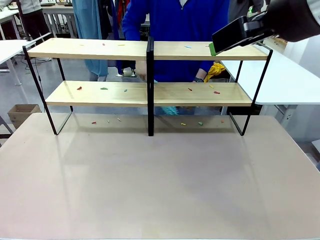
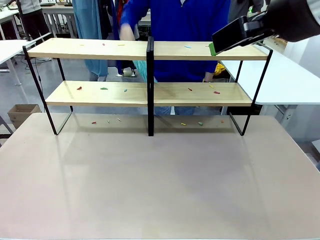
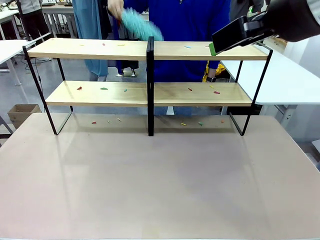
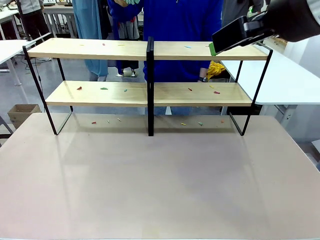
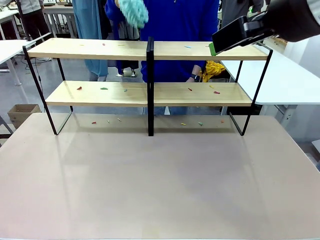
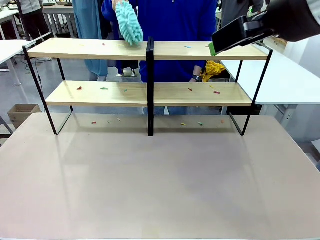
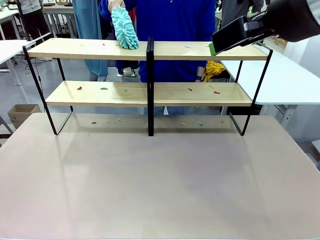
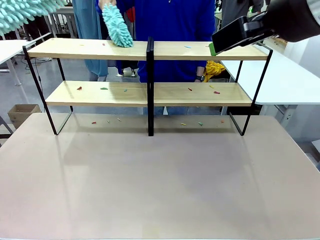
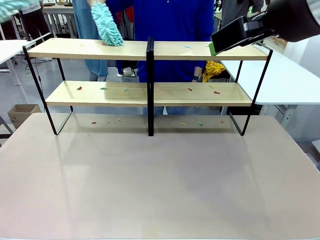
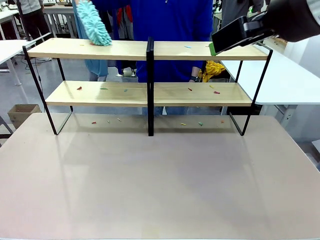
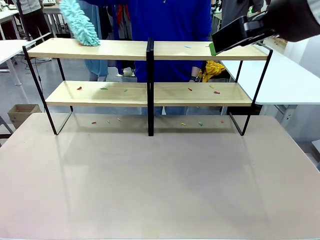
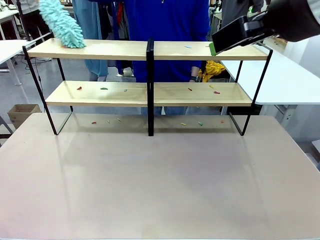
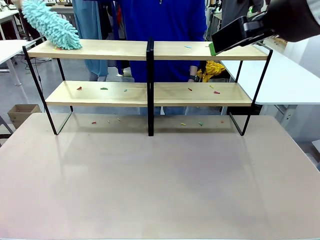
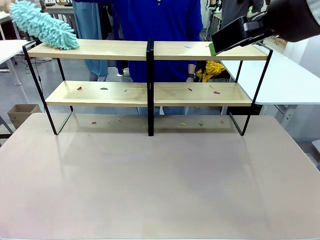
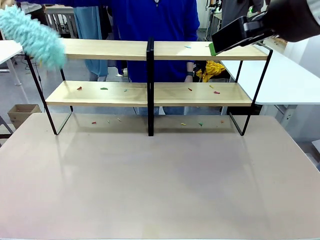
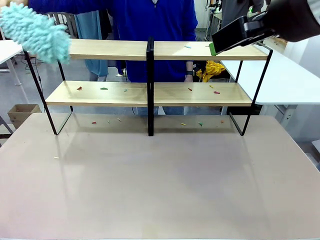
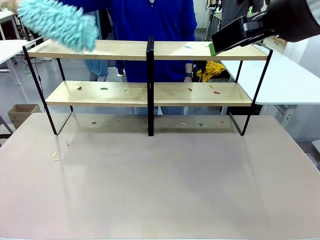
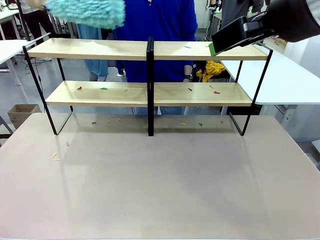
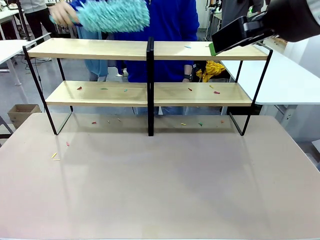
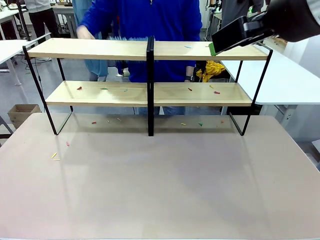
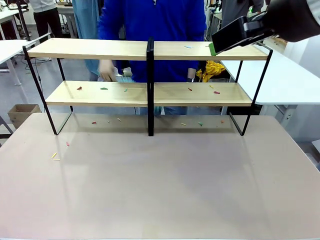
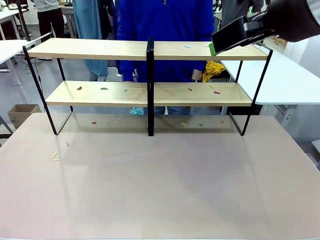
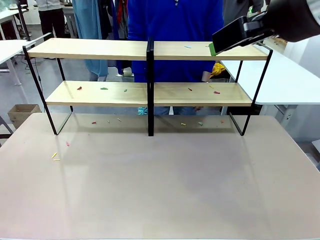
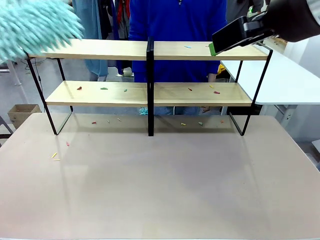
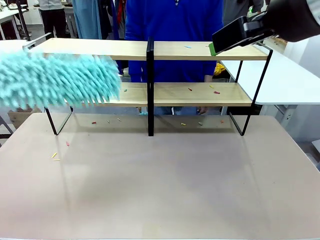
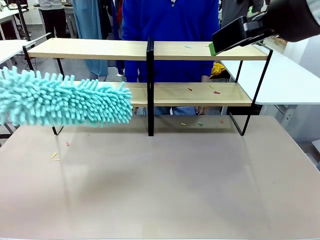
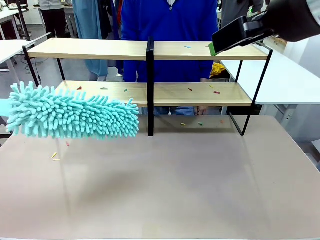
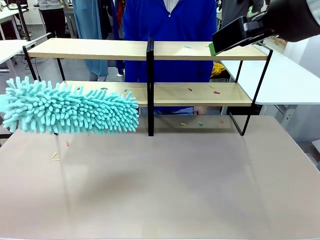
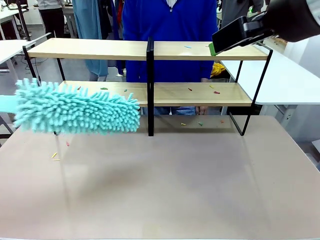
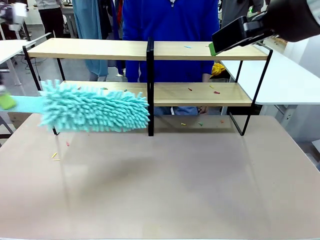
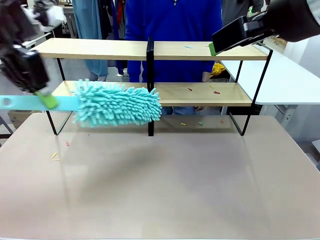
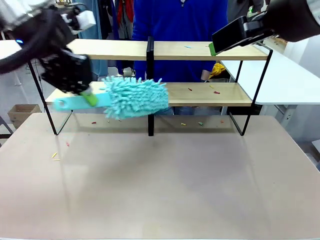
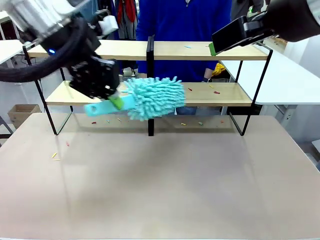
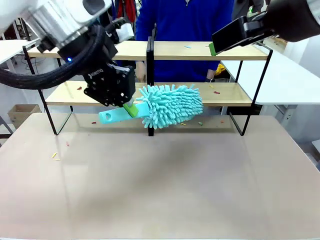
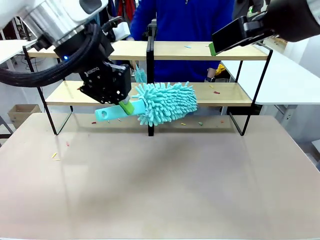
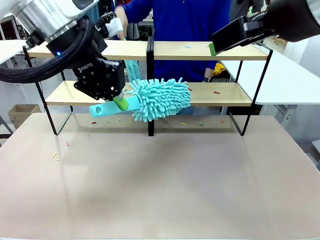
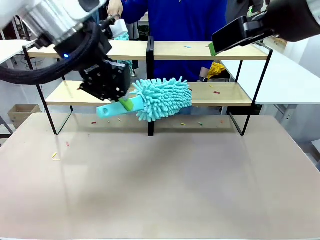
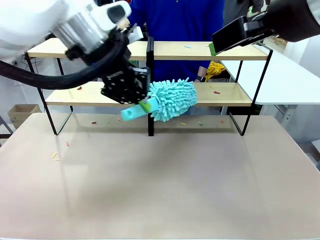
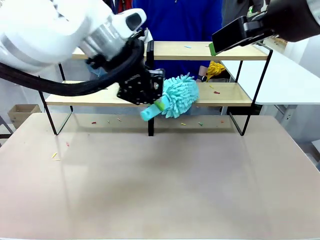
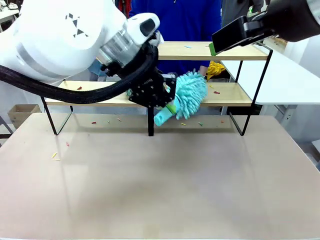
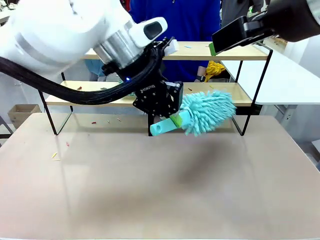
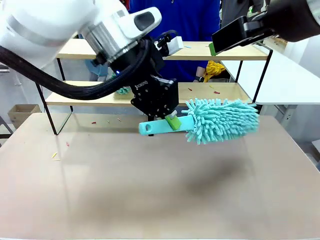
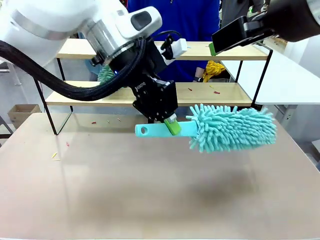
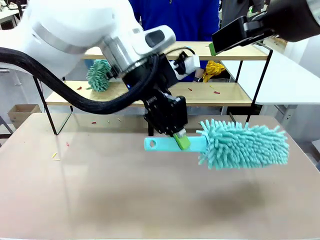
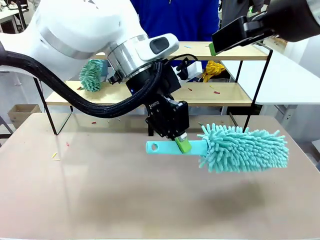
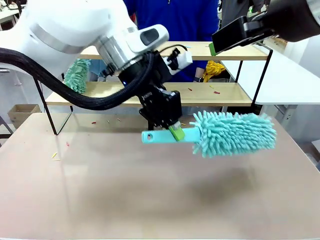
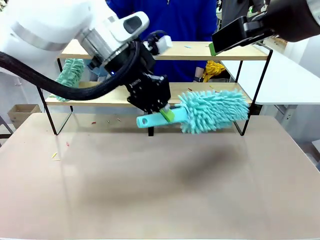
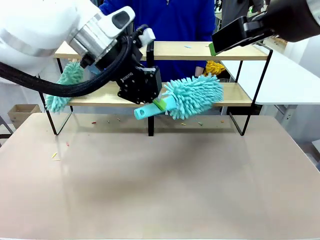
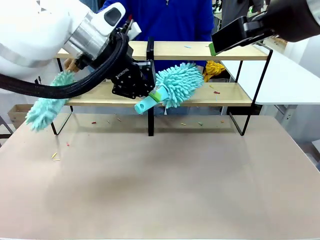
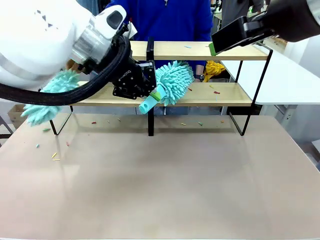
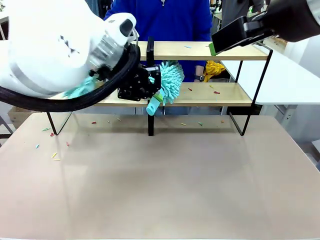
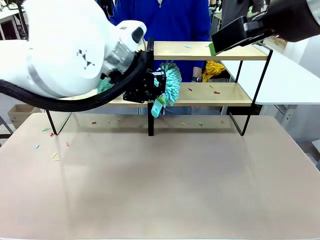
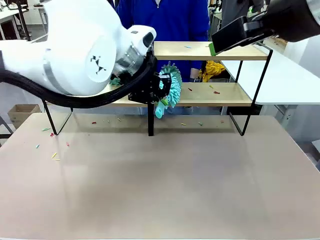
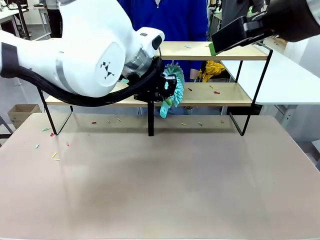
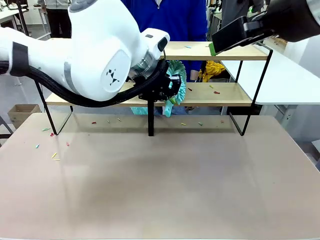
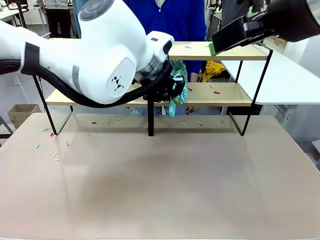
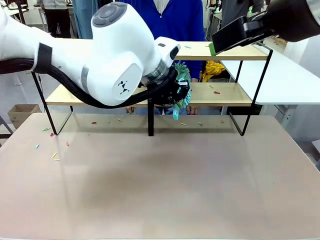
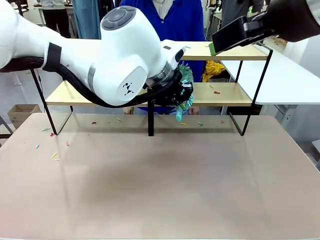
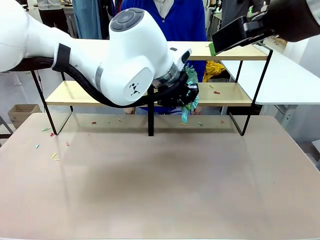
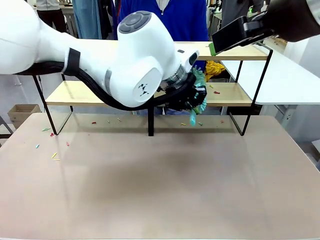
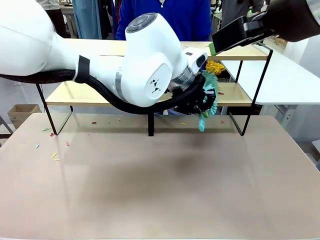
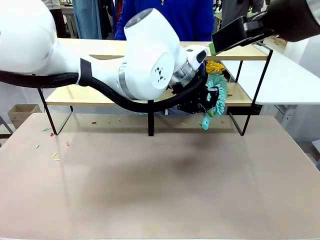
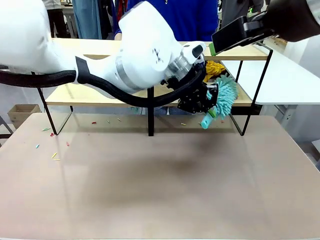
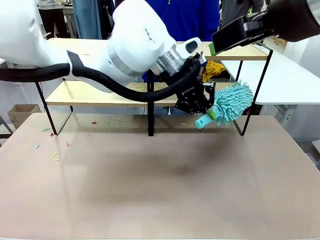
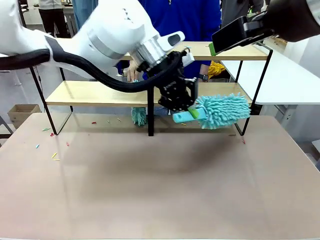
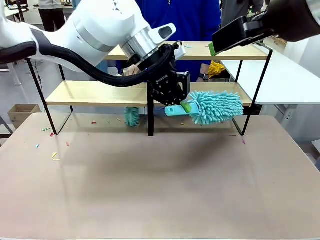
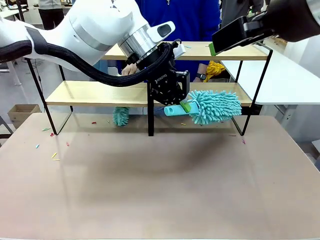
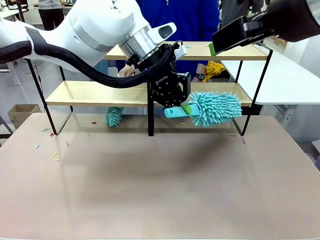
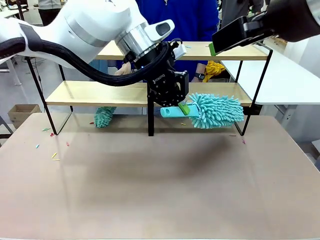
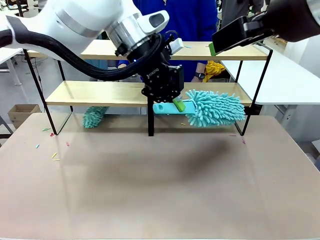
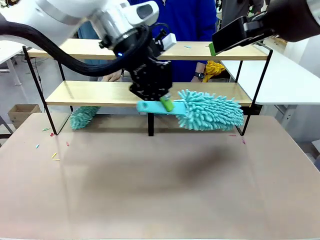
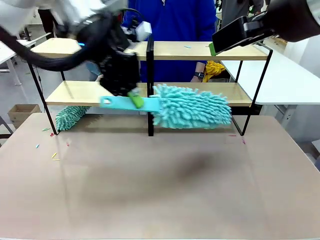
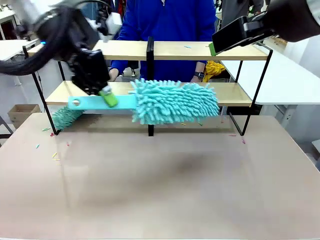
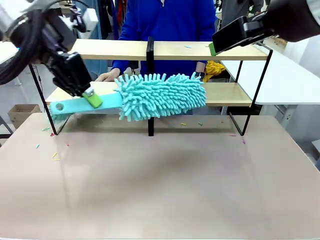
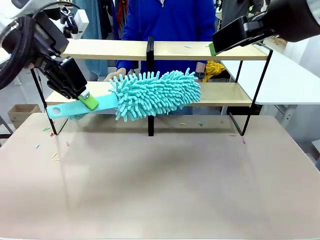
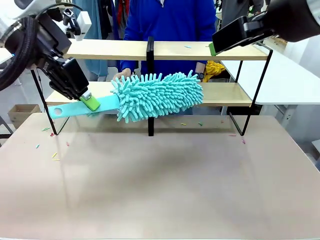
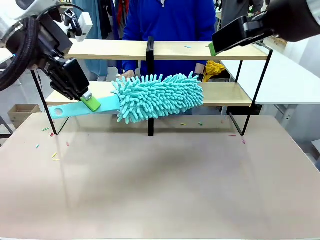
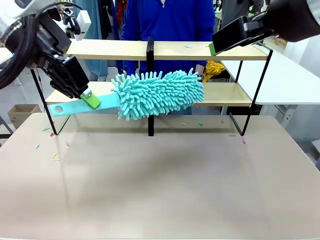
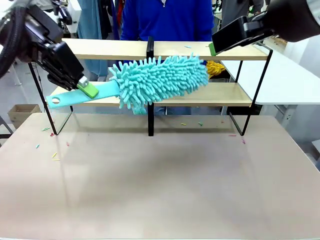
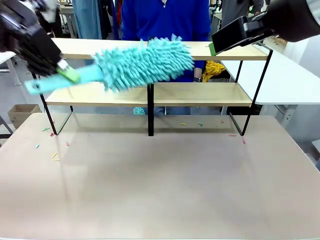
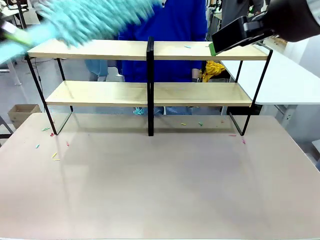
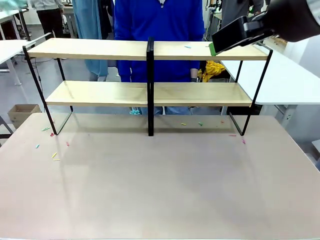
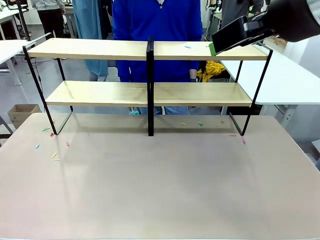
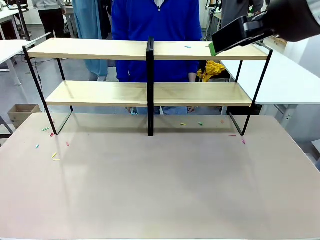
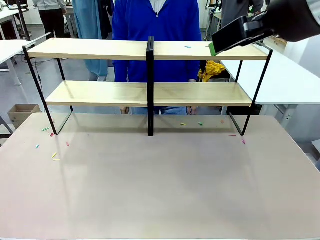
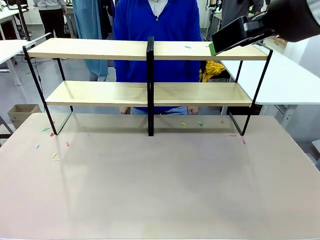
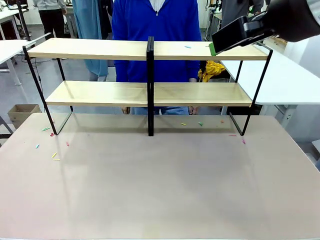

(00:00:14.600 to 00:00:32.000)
Task: Clean the shelves.
Robot: Clean a randomly selected level of the Shelf with the Duster.
